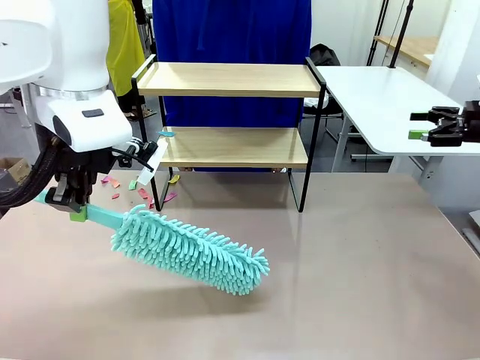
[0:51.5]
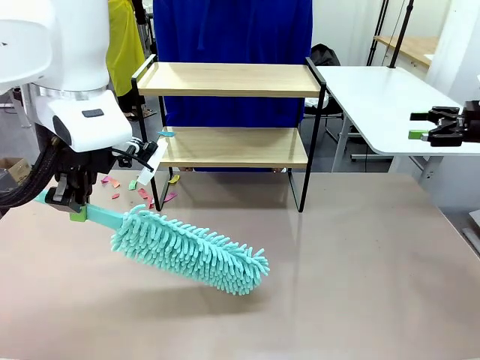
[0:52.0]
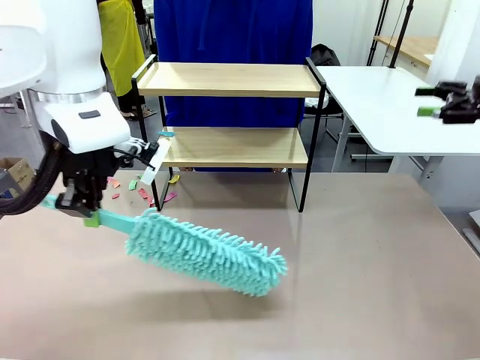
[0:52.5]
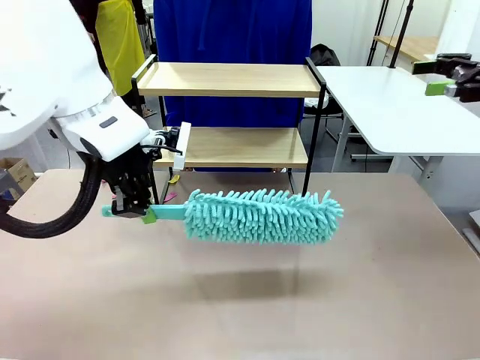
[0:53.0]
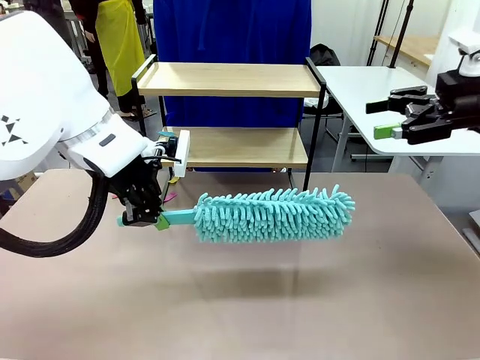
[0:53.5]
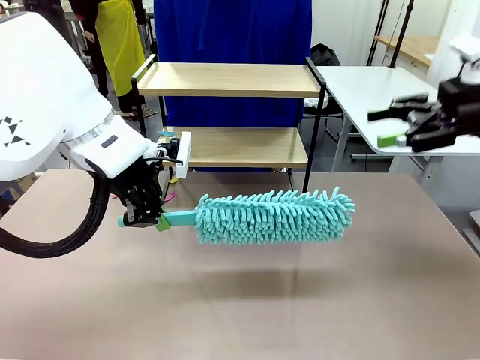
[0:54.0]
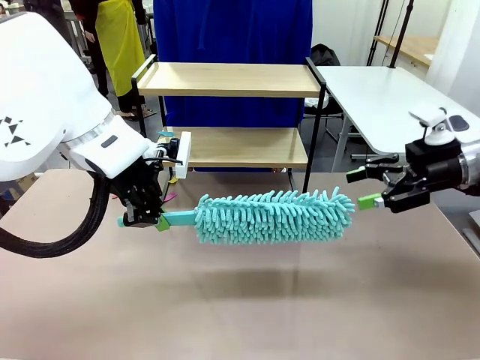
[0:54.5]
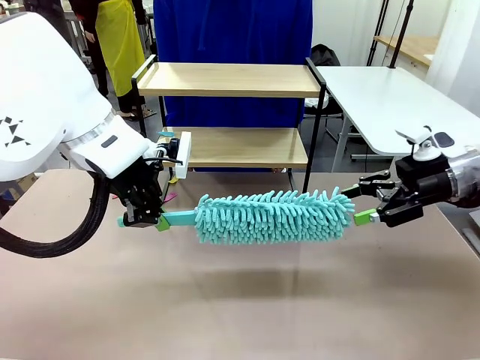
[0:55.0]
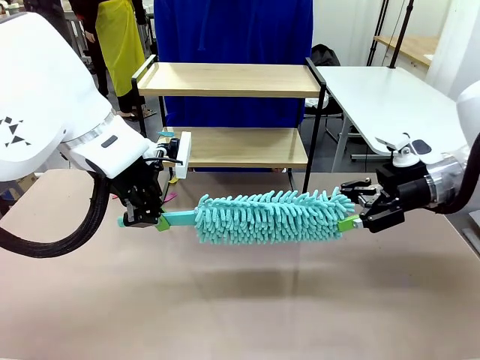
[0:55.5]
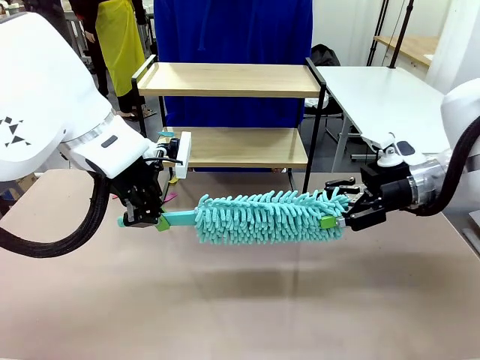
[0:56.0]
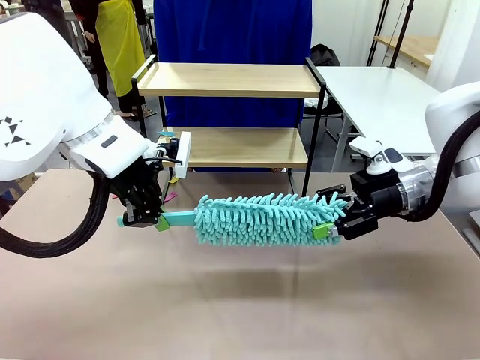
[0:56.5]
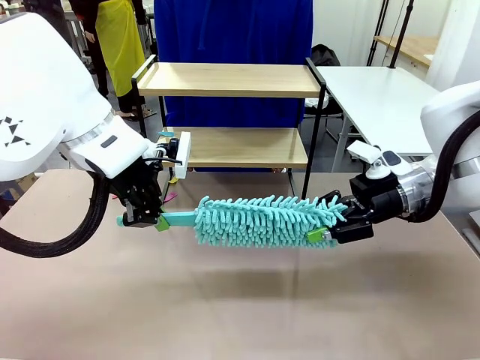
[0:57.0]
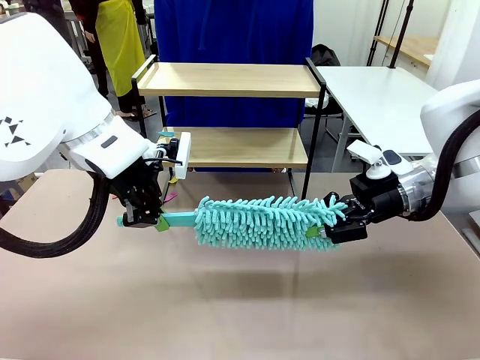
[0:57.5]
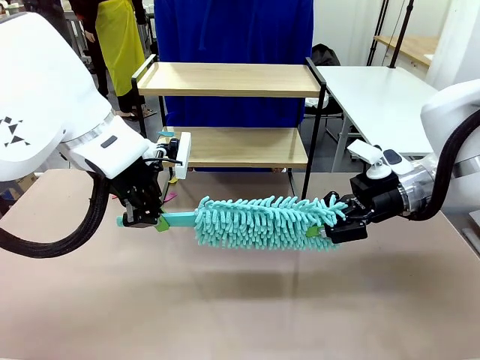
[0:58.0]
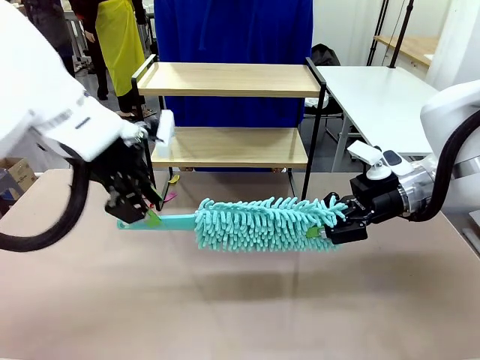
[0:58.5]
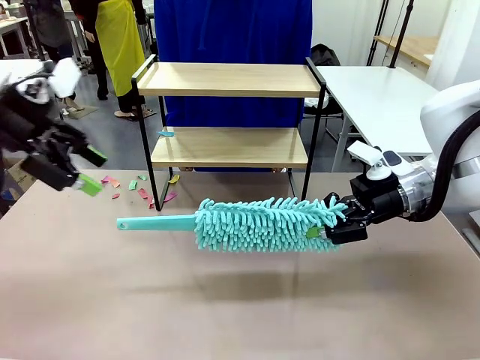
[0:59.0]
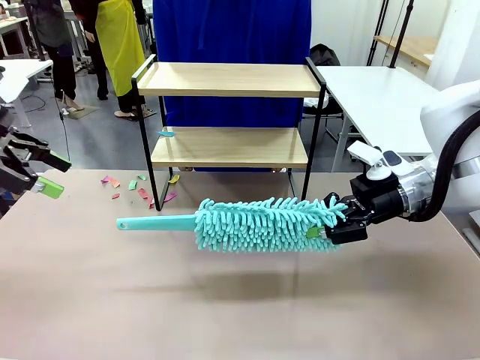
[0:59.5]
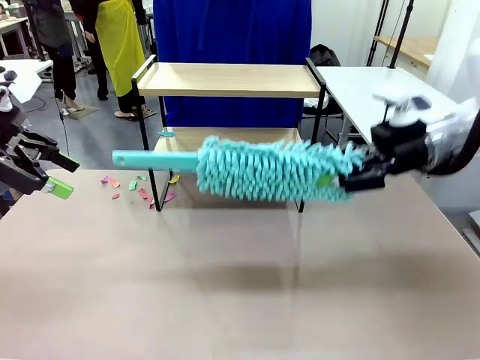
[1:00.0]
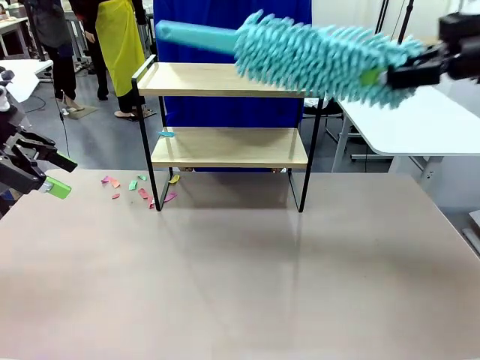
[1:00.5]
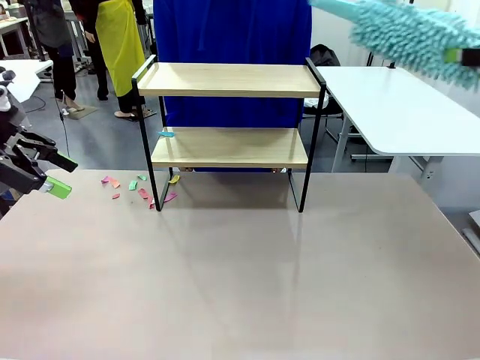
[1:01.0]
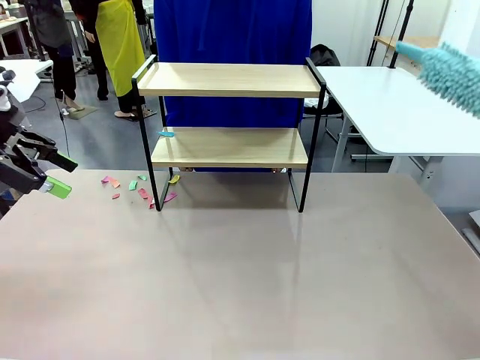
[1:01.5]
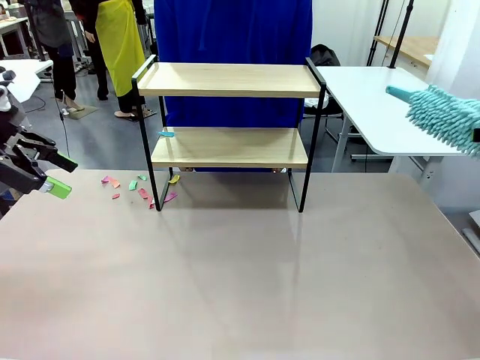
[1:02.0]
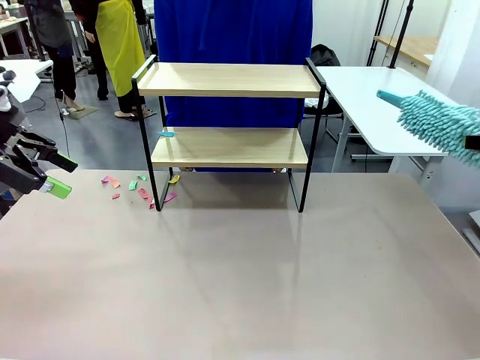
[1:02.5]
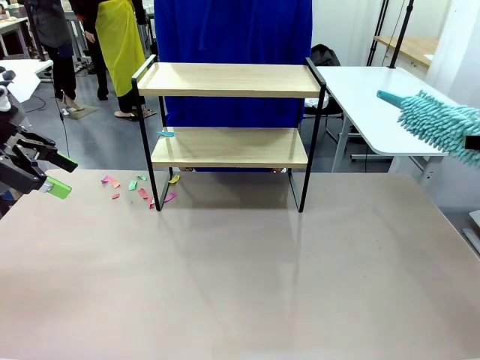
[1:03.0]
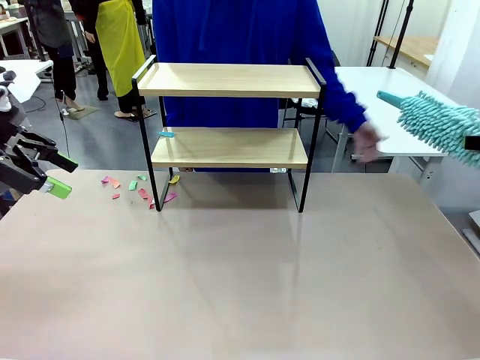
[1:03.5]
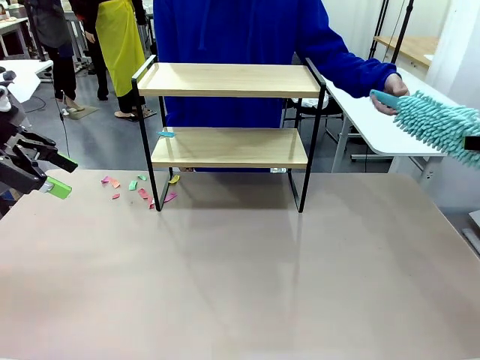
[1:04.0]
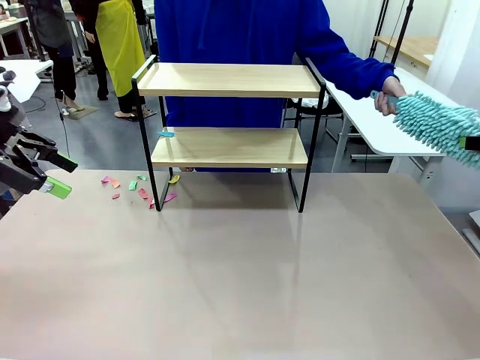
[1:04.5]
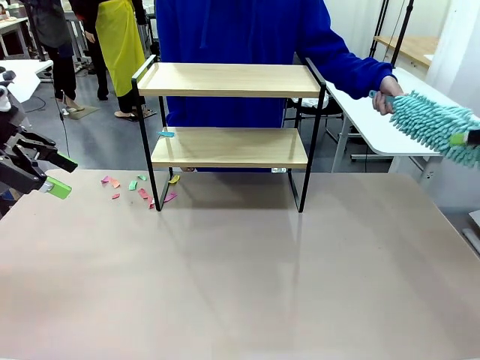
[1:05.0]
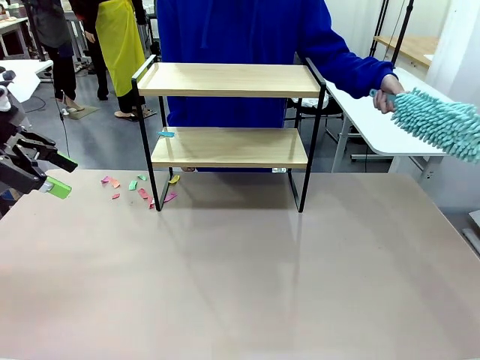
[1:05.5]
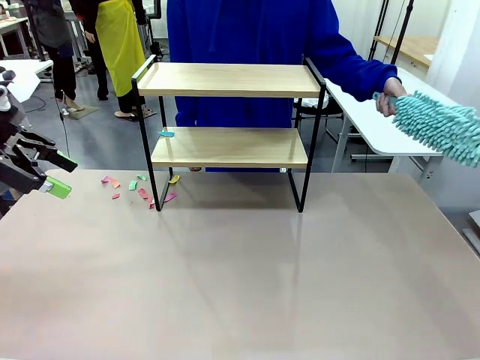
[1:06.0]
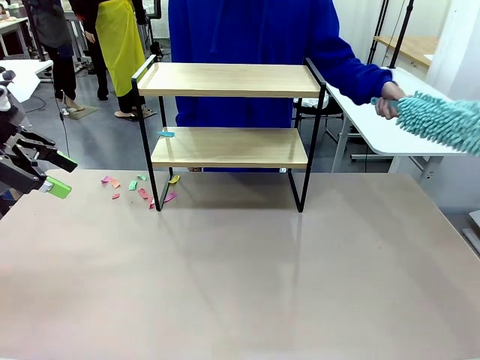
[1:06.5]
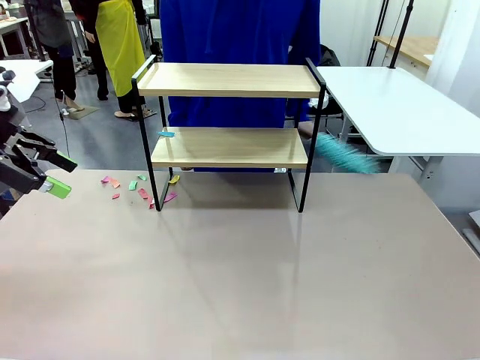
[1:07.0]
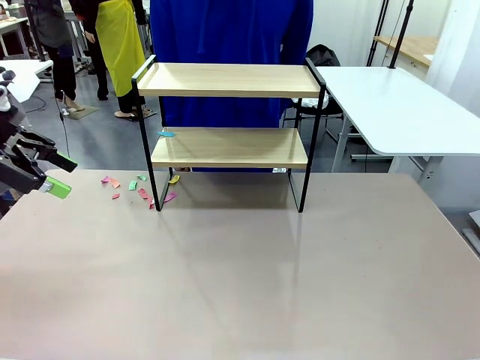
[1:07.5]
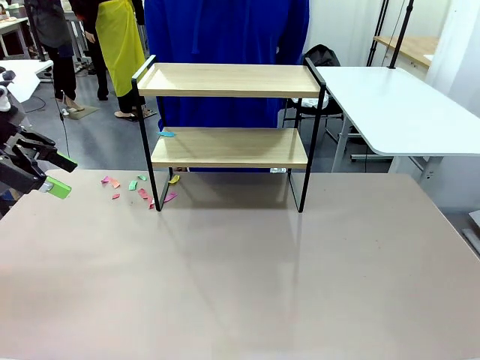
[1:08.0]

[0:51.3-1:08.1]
Task: Clean the shelf.
Robot: Hand the Duster back to the human.
Person: Receive the Duster from the robot.

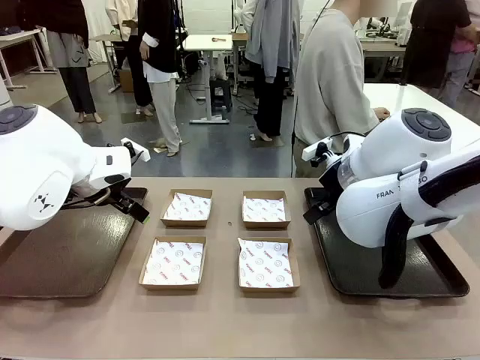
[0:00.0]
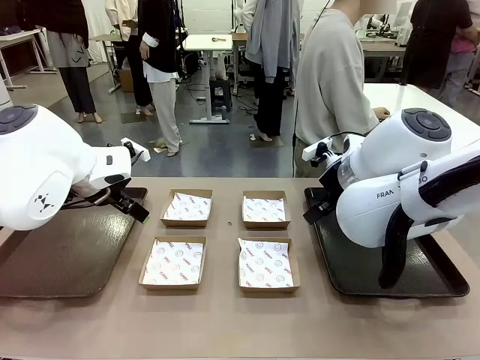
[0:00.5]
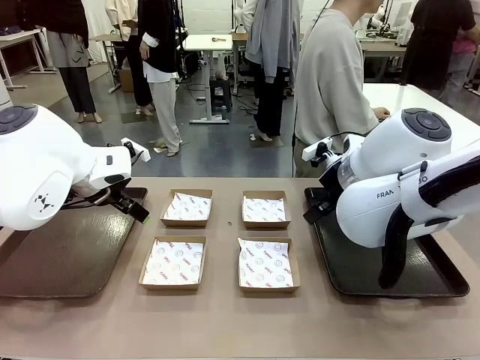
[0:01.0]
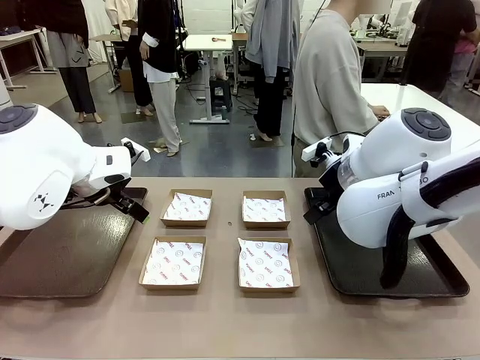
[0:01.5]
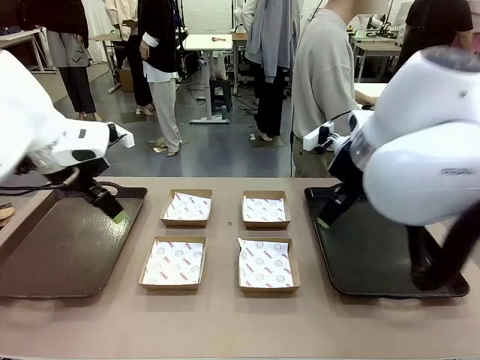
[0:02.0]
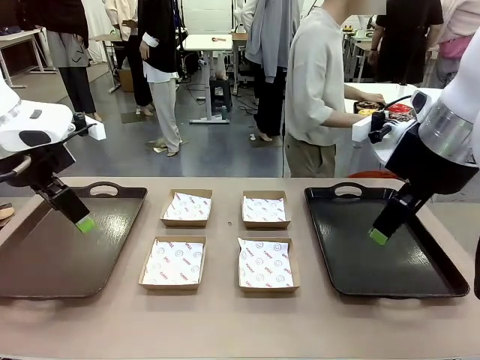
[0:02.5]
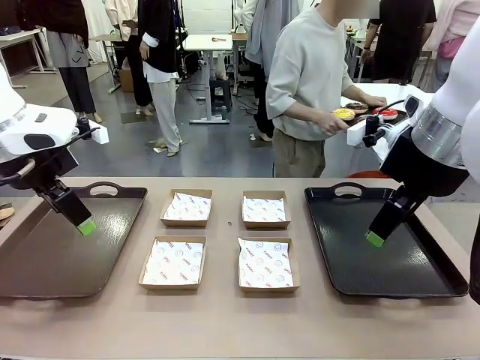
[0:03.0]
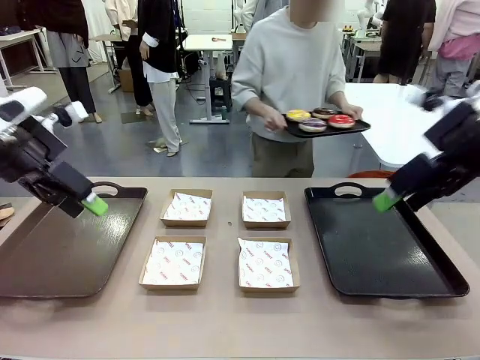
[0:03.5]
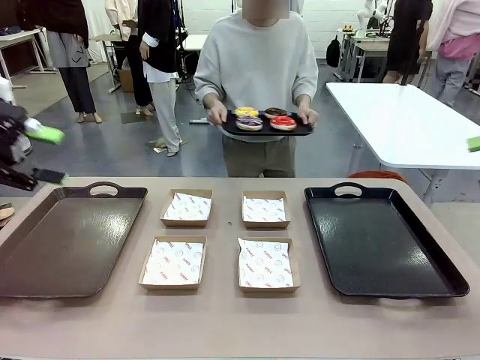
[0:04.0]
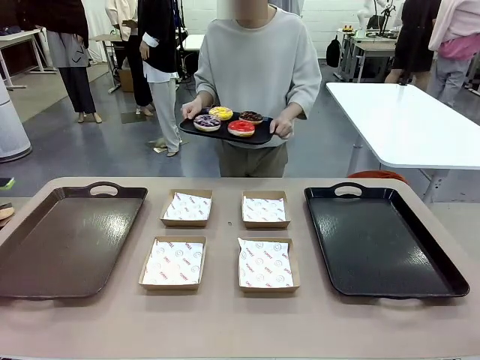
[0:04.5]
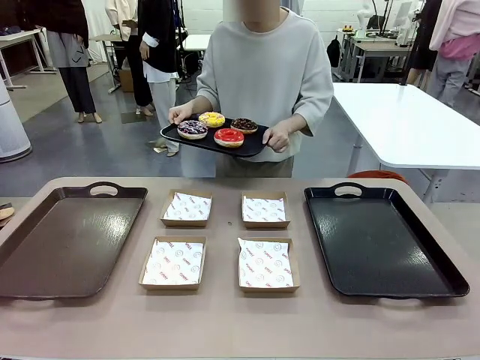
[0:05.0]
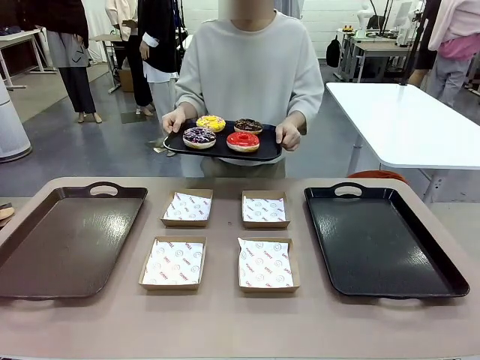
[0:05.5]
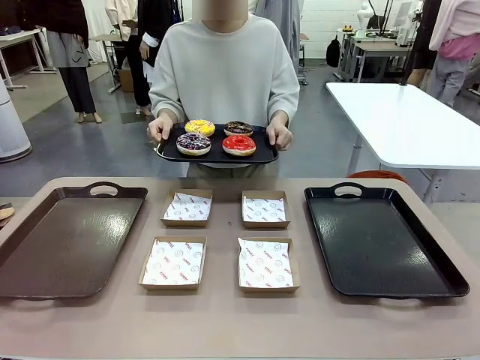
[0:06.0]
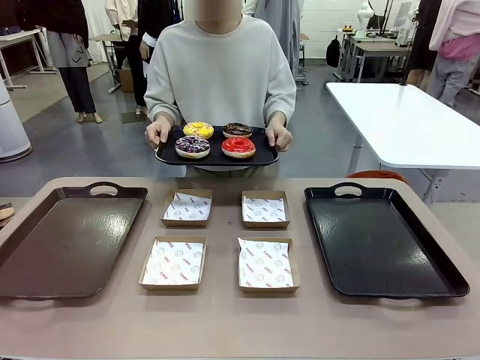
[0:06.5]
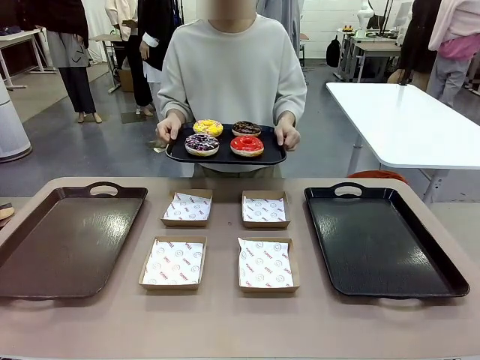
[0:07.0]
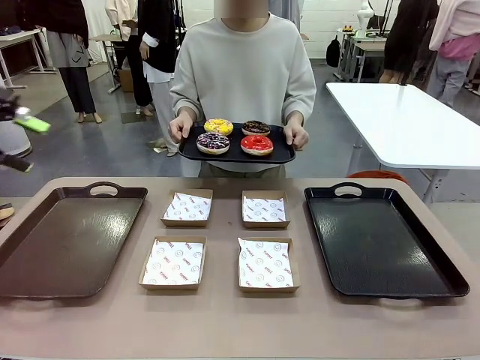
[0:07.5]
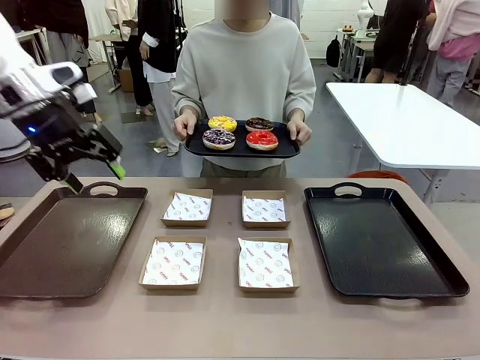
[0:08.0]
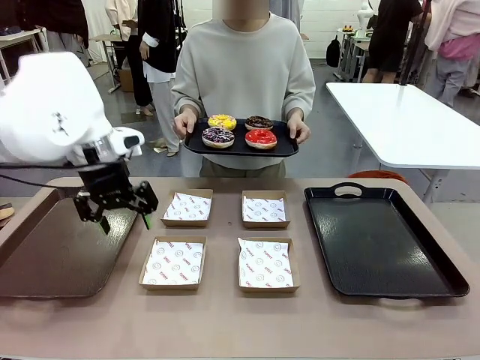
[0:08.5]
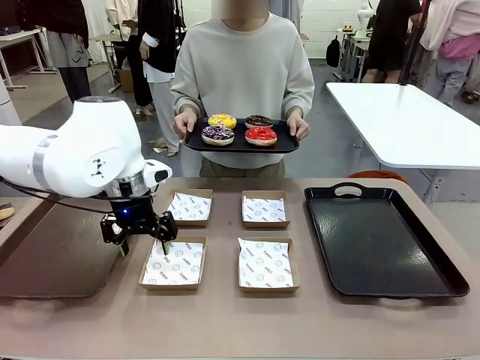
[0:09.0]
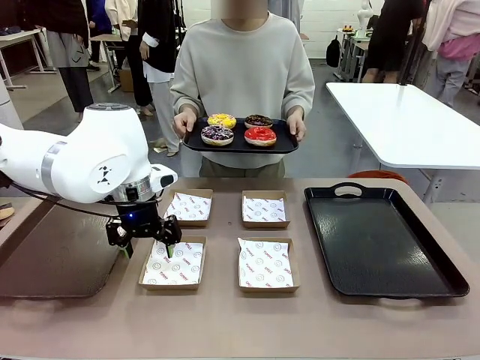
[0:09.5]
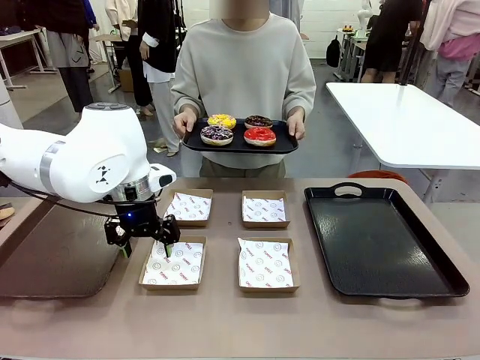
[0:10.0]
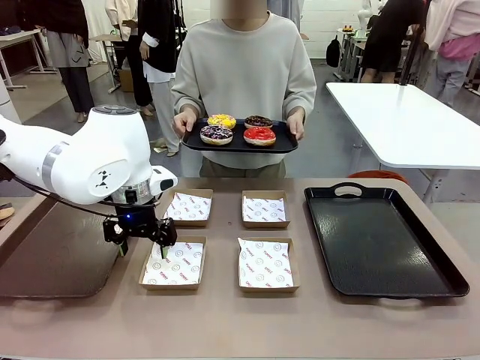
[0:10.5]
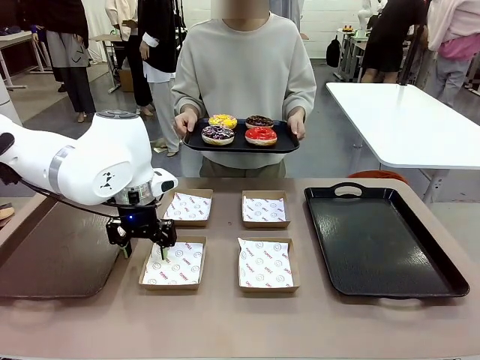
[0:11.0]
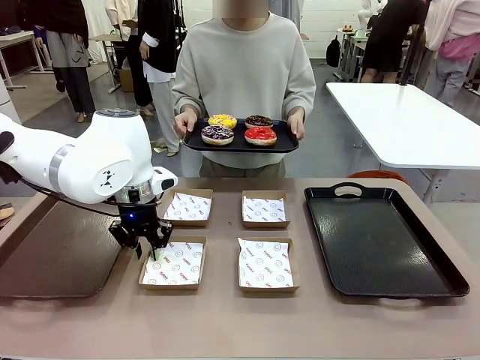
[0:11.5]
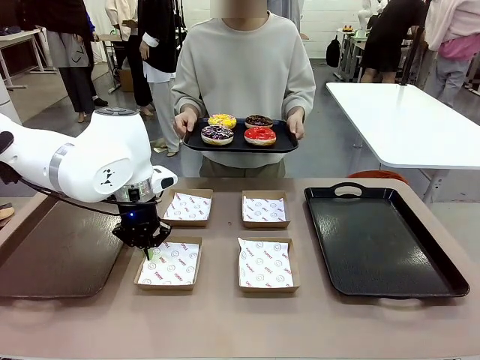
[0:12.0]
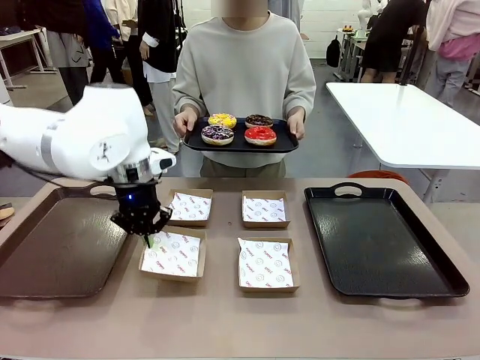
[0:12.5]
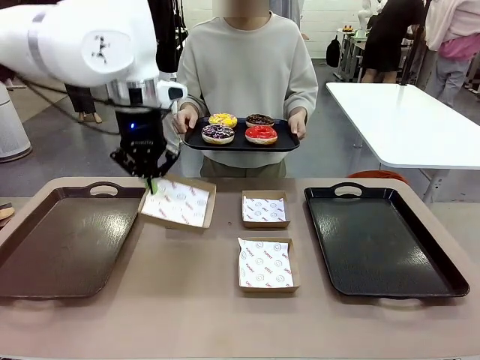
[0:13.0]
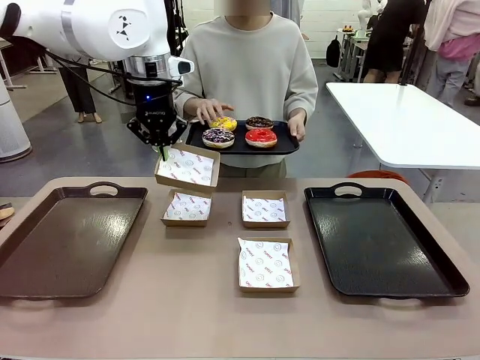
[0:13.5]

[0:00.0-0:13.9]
Task: Individually package the donuts and arrange them on the tray.
Robot: Pick up one Paper togo box.
Person: Stand in front of the robot table holding the tray containing the donuts.
